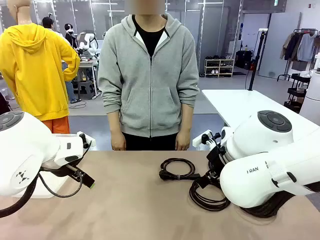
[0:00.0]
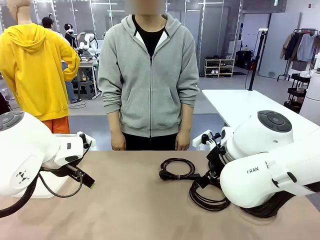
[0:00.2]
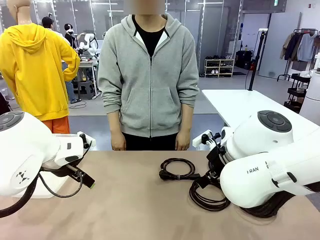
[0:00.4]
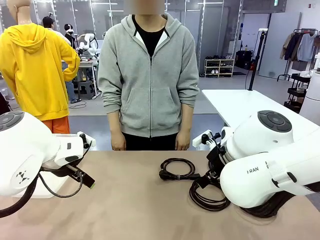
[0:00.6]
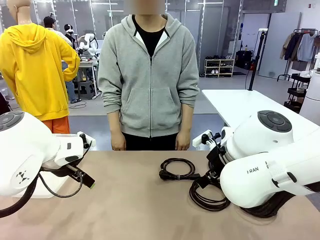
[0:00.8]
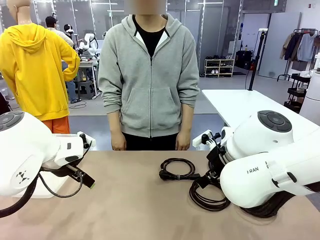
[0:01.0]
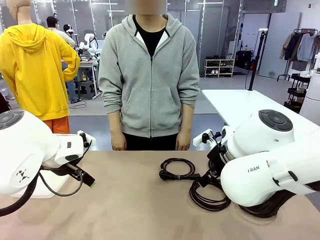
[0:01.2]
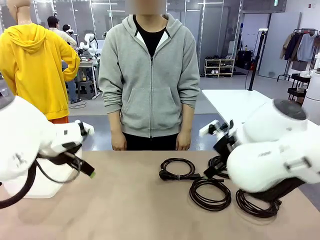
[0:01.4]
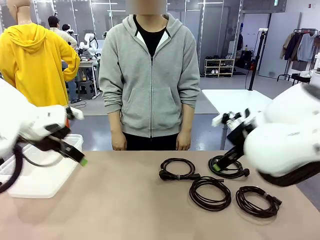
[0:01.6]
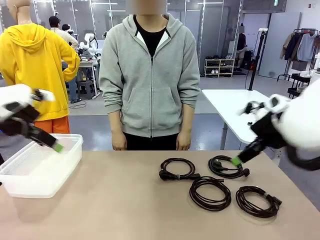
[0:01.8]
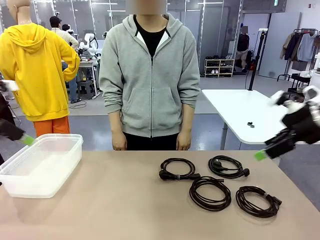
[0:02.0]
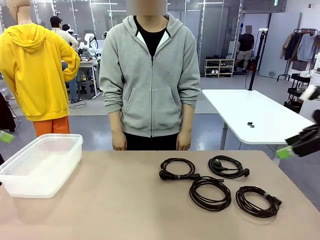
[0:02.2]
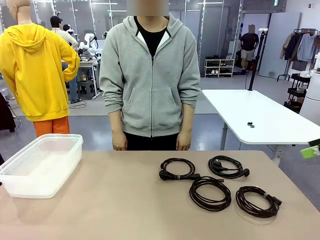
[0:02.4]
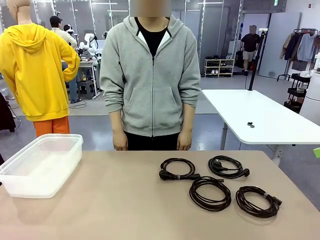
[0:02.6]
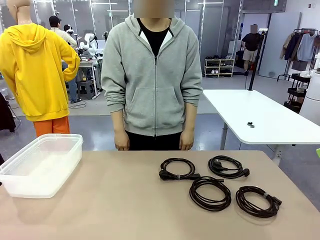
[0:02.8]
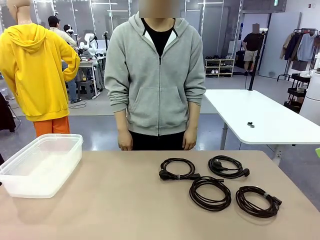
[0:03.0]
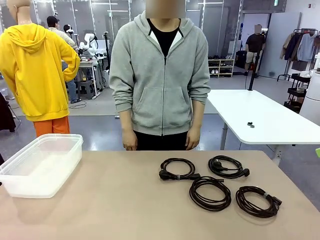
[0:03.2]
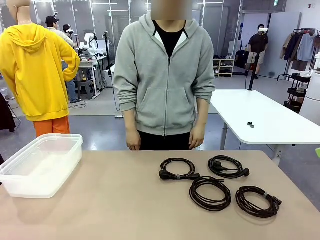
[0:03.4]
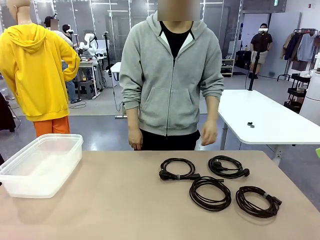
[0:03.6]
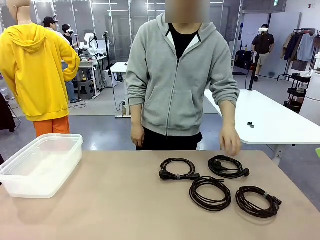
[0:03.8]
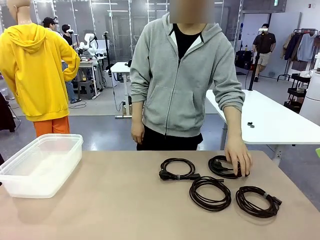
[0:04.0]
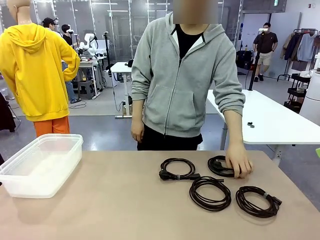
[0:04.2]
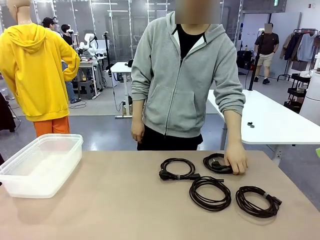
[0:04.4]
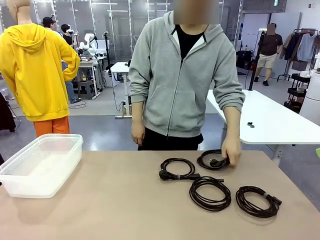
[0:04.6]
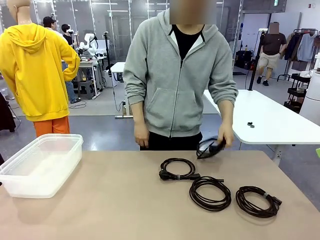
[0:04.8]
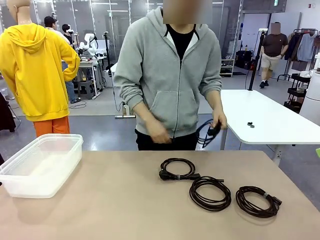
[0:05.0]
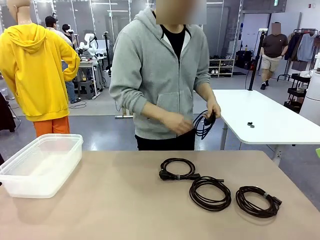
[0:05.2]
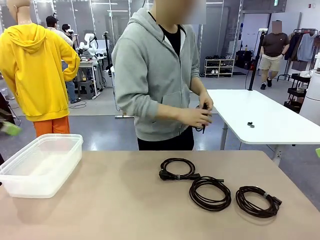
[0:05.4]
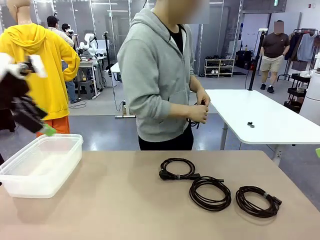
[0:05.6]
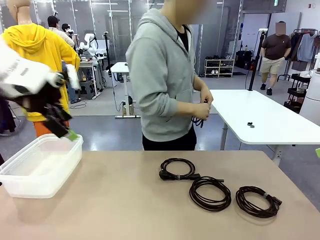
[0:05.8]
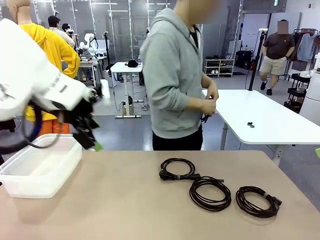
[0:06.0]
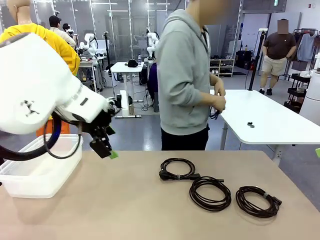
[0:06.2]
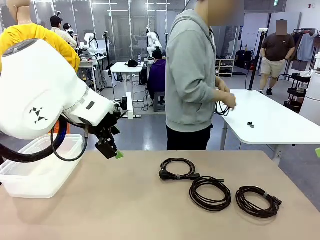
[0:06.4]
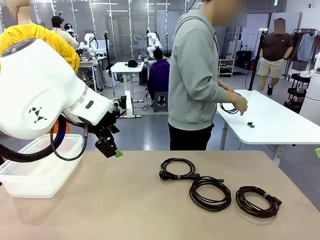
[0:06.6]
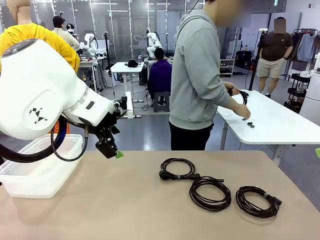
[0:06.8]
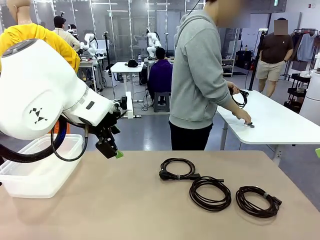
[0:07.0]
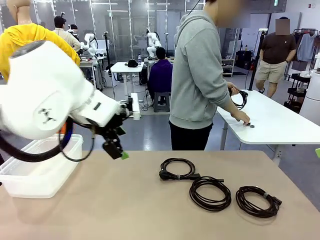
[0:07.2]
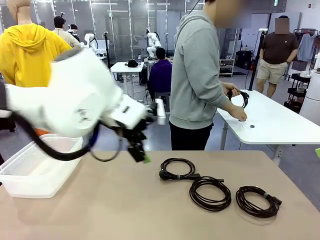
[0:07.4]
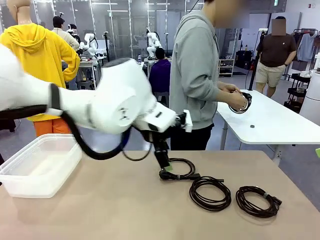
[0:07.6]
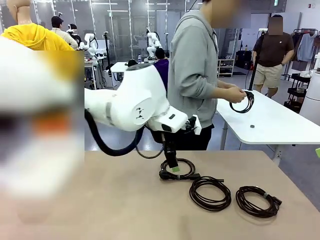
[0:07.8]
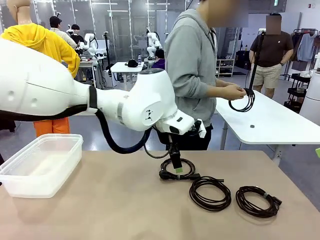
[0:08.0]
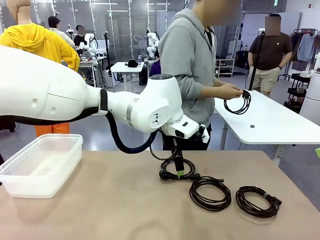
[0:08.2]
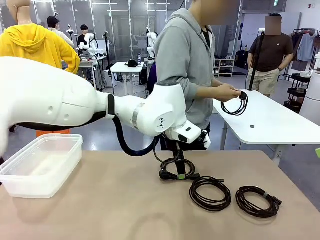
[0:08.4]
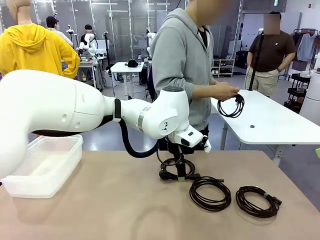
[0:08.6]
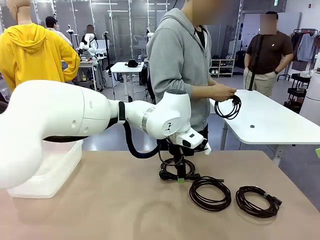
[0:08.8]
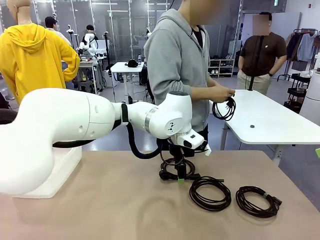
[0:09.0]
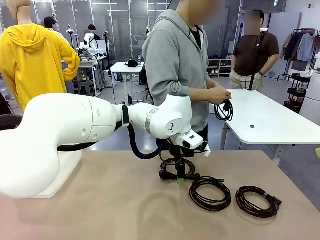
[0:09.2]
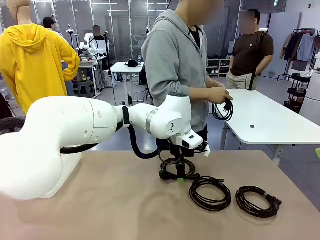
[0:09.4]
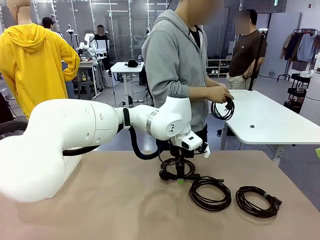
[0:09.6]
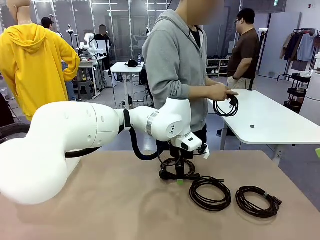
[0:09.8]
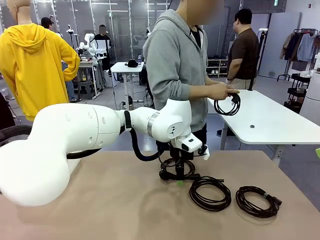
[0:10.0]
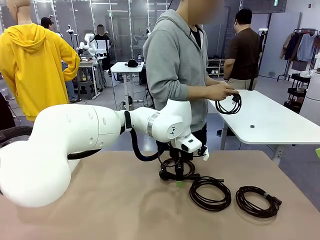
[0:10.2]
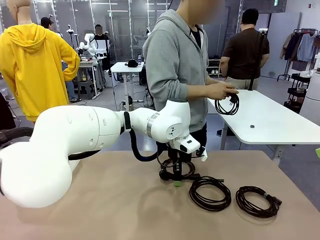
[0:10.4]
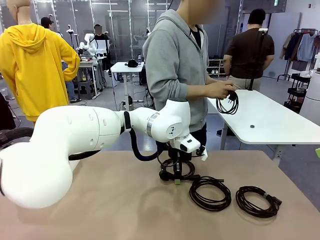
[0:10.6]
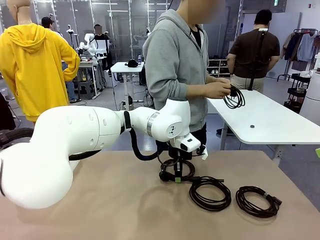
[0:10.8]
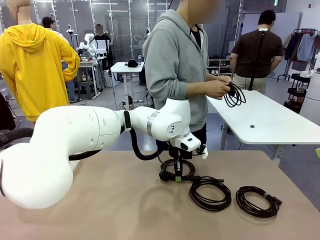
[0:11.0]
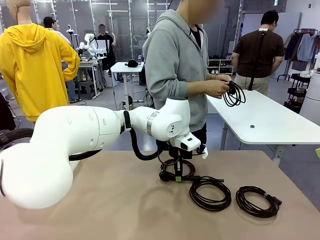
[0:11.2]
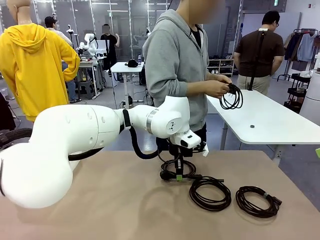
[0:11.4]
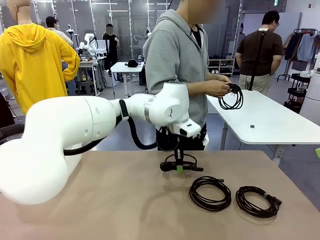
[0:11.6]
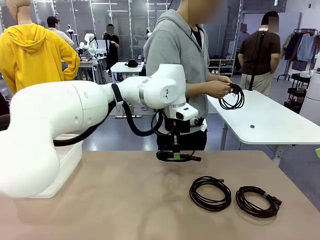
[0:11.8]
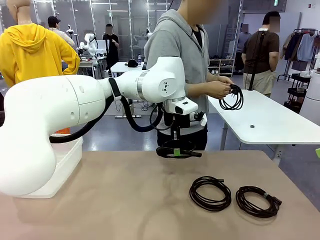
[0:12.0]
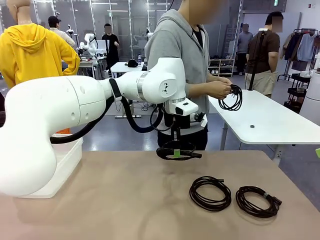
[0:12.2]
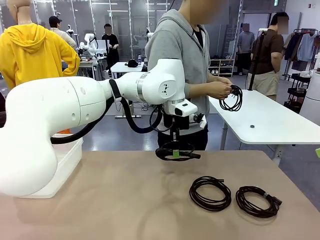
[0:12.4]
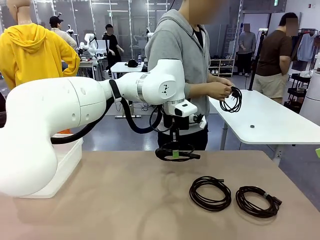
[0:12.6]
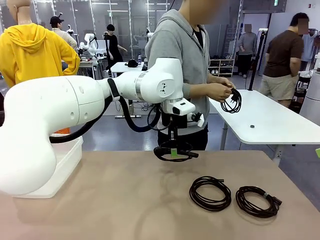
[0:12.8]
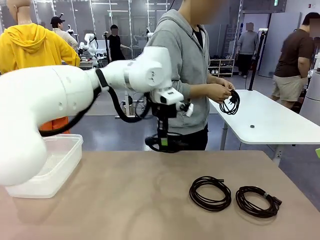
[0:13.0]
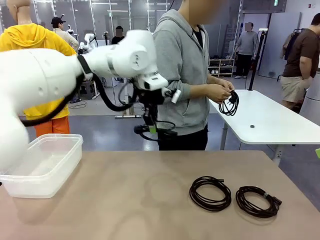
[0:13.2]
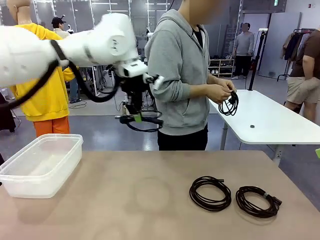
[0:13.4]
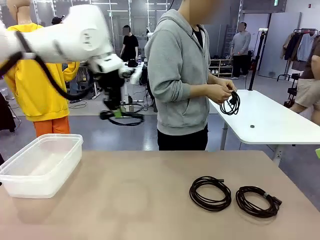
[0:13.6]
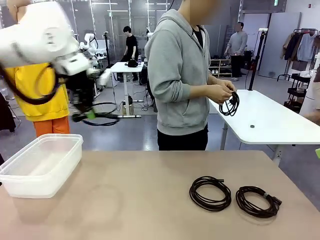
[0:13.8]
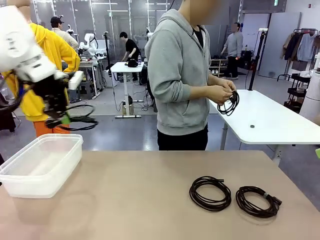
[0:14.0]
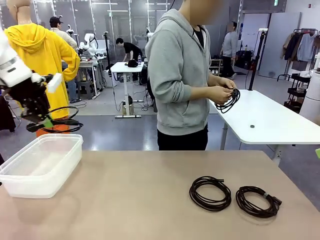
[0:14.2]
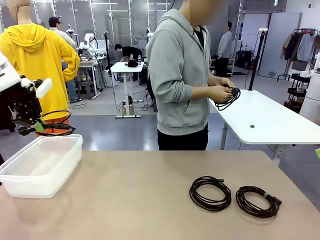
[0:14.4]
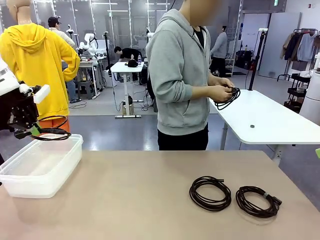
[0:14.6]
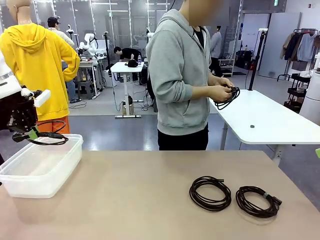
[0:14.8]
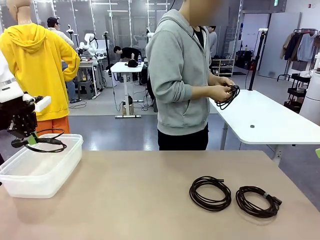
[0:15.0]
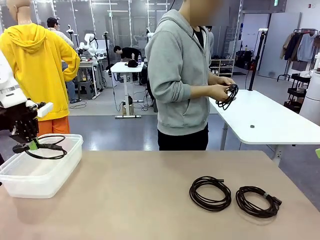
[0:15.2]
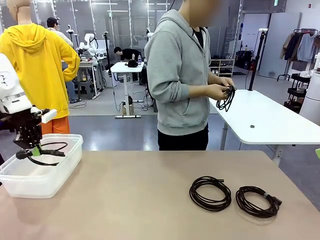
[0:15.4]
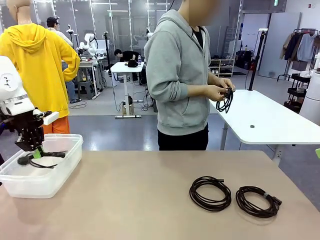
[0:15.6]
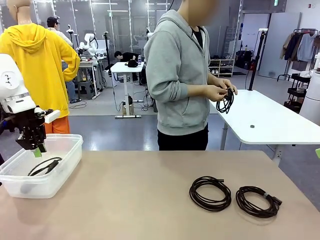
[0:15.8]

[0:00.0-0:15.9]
Task: Organize and store the cables.
Robot: Place the Power Cable into the Organizing box.
Person: Tie one Power Cable with a Reusable Cable Tie.
